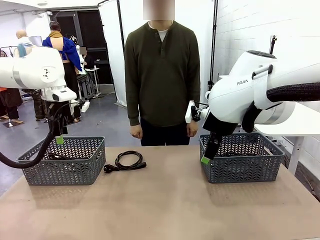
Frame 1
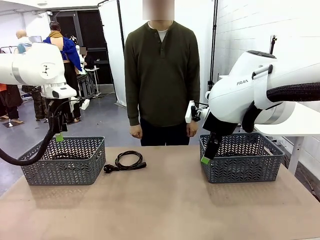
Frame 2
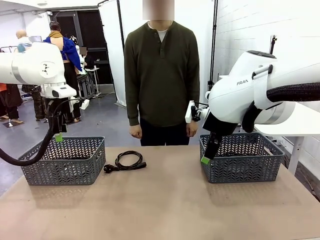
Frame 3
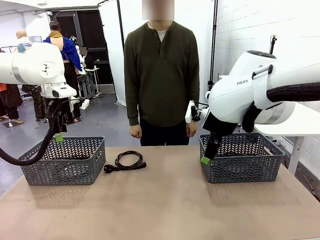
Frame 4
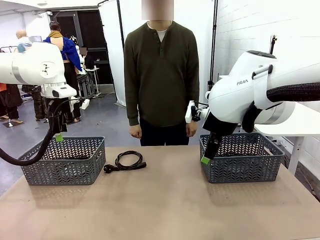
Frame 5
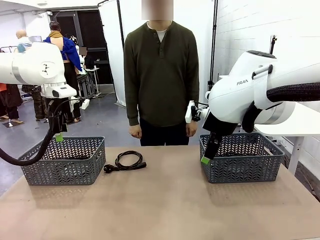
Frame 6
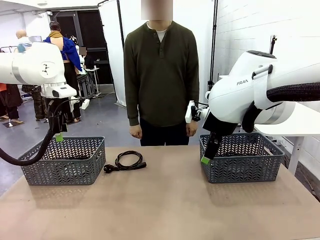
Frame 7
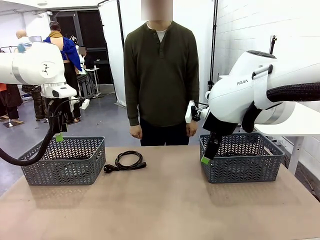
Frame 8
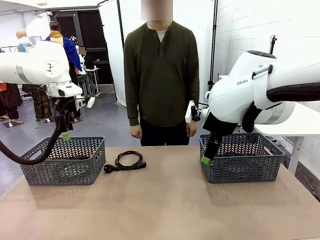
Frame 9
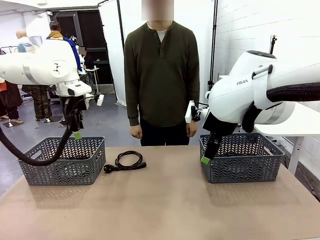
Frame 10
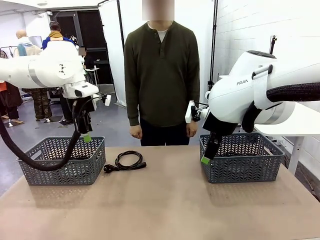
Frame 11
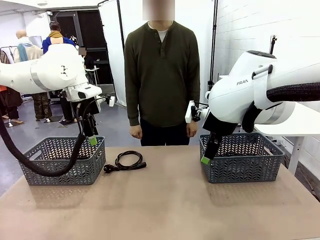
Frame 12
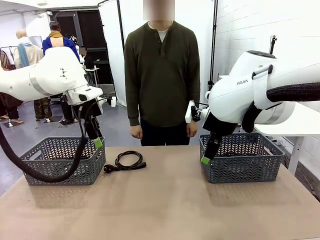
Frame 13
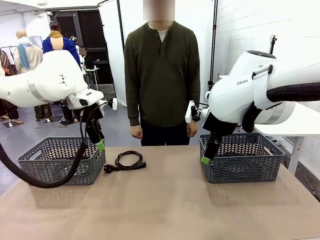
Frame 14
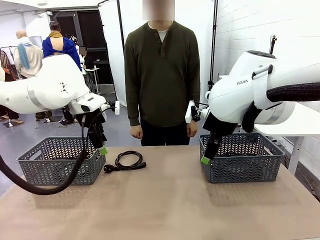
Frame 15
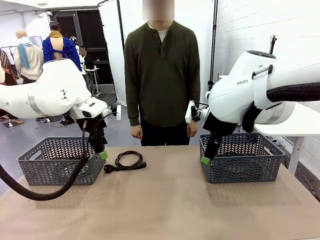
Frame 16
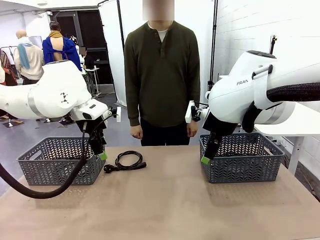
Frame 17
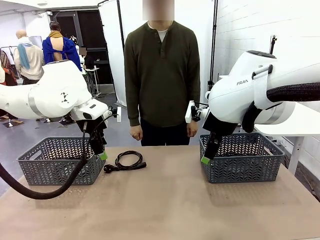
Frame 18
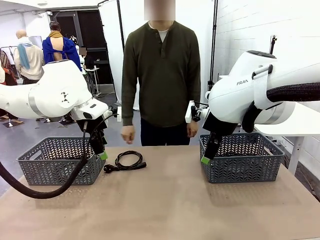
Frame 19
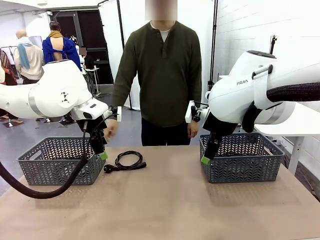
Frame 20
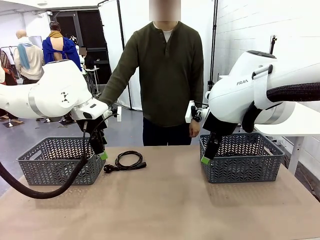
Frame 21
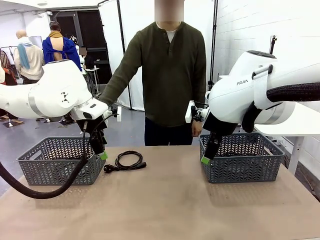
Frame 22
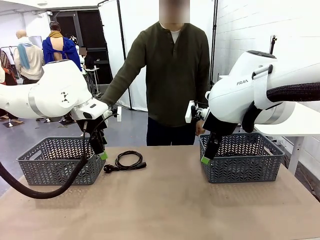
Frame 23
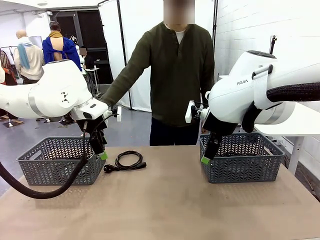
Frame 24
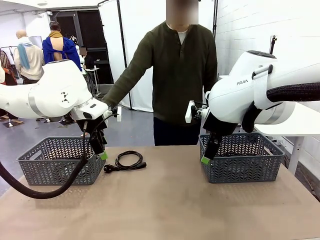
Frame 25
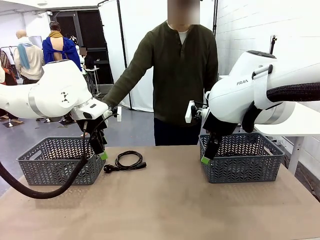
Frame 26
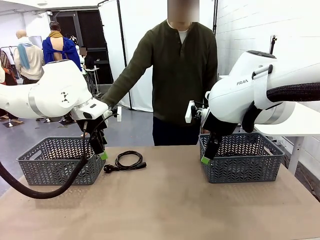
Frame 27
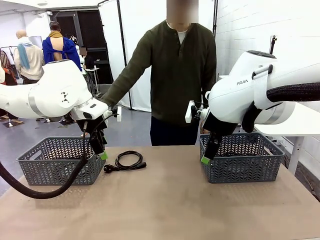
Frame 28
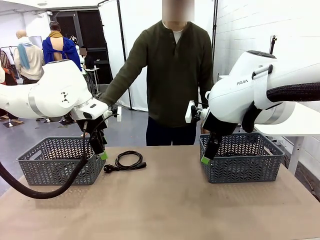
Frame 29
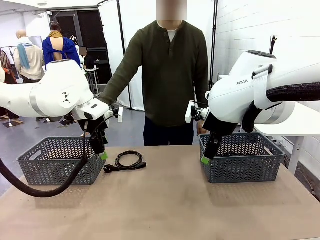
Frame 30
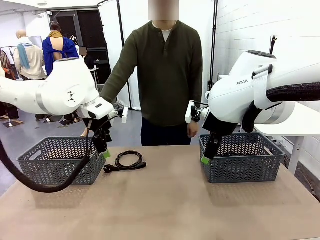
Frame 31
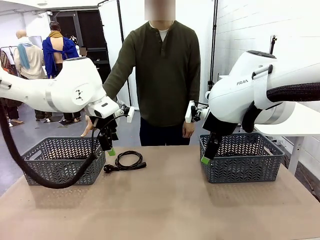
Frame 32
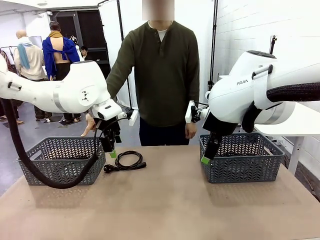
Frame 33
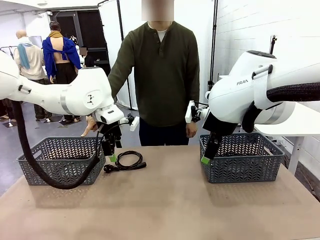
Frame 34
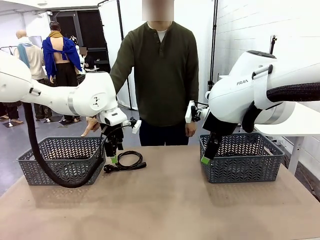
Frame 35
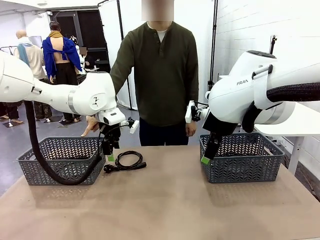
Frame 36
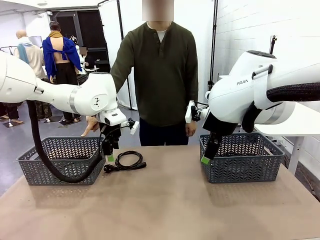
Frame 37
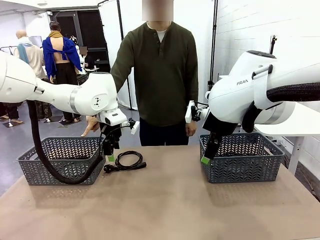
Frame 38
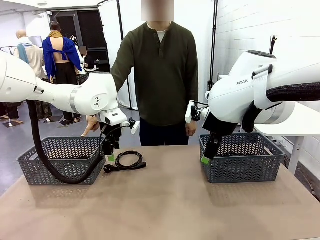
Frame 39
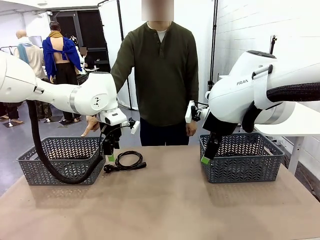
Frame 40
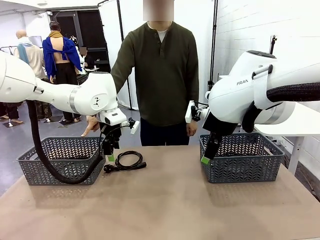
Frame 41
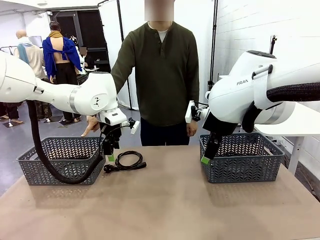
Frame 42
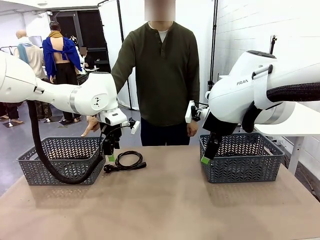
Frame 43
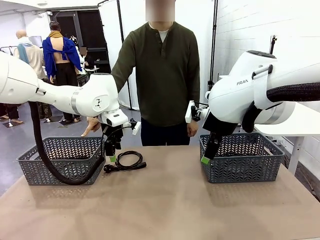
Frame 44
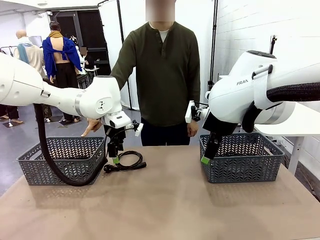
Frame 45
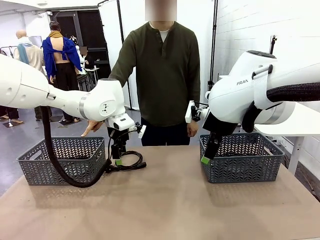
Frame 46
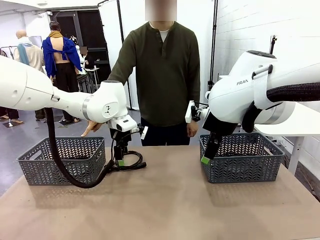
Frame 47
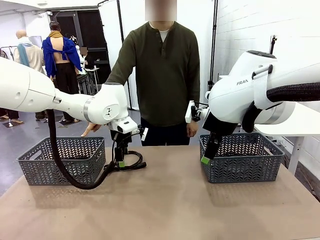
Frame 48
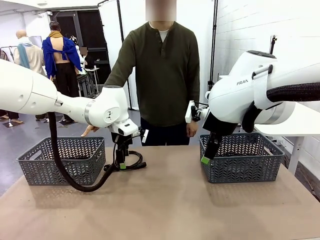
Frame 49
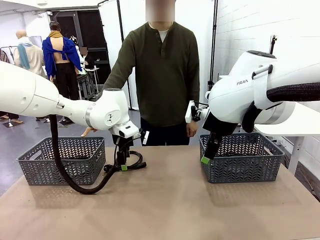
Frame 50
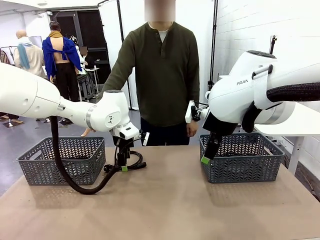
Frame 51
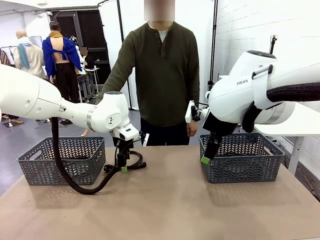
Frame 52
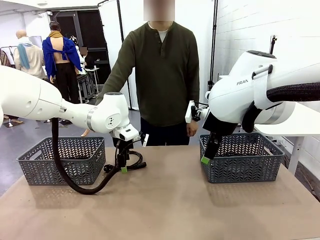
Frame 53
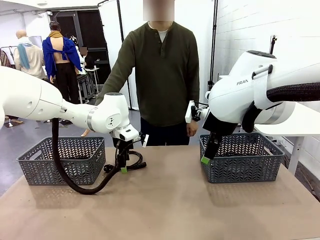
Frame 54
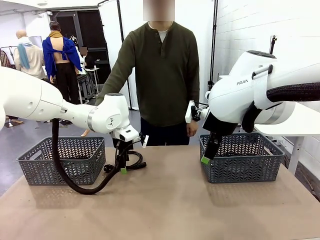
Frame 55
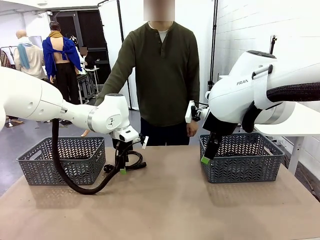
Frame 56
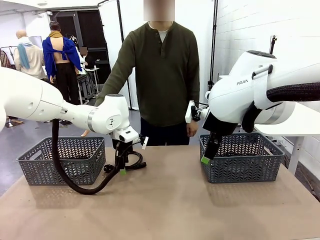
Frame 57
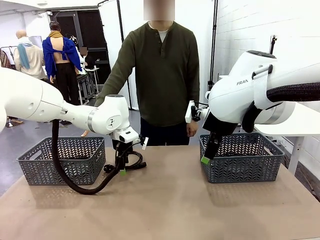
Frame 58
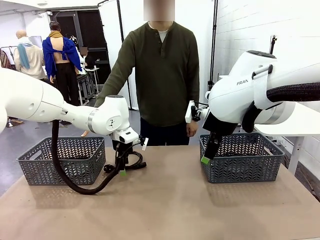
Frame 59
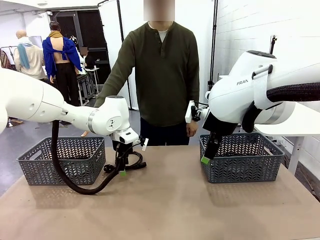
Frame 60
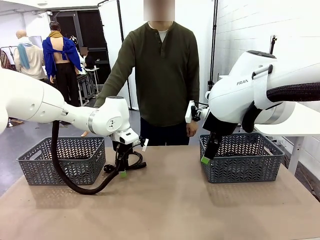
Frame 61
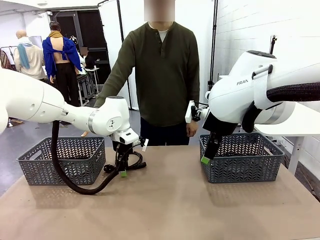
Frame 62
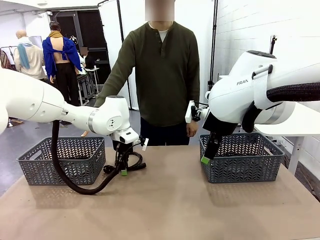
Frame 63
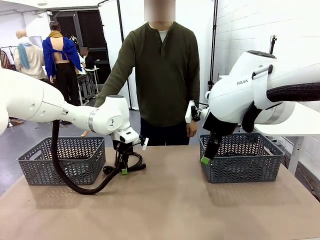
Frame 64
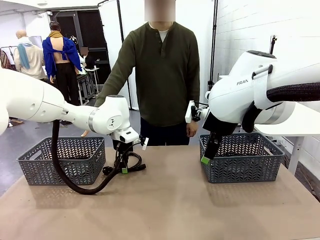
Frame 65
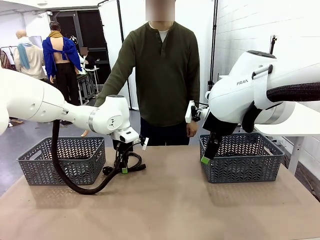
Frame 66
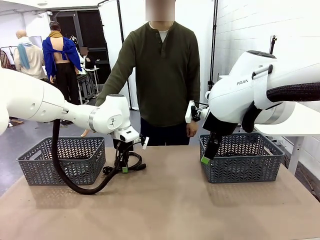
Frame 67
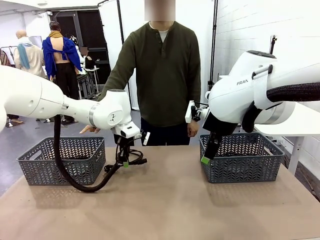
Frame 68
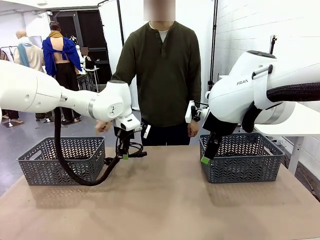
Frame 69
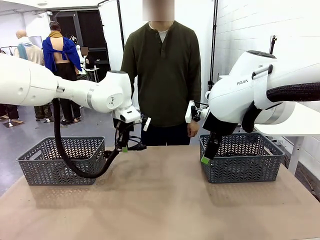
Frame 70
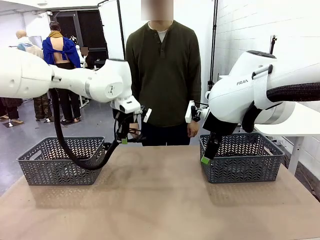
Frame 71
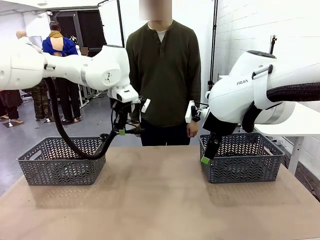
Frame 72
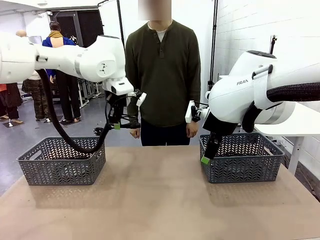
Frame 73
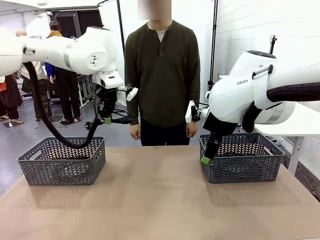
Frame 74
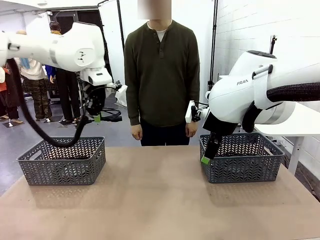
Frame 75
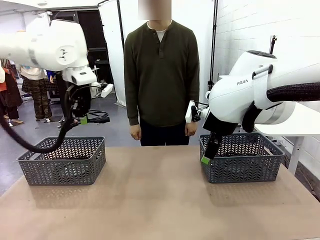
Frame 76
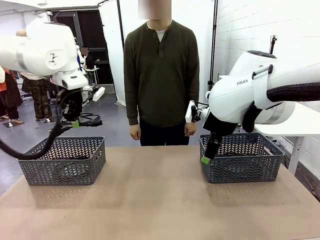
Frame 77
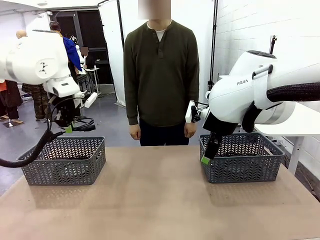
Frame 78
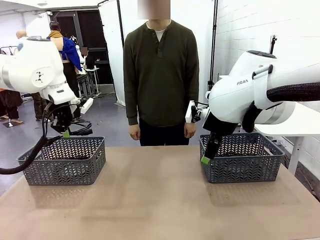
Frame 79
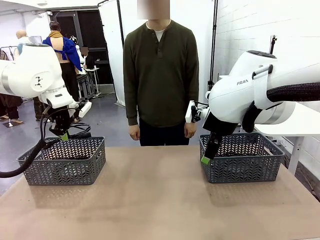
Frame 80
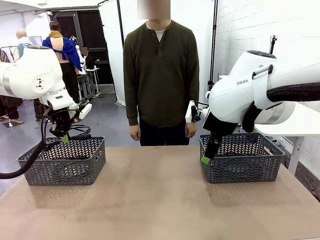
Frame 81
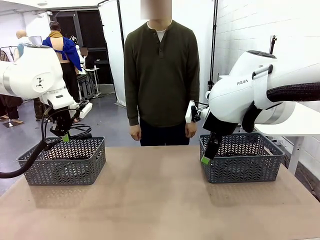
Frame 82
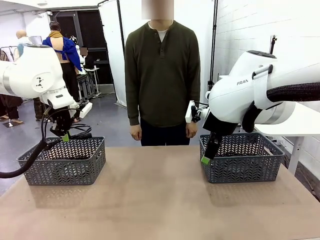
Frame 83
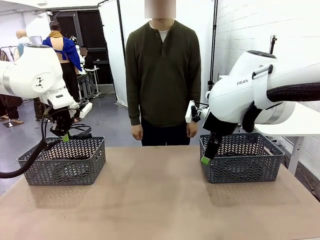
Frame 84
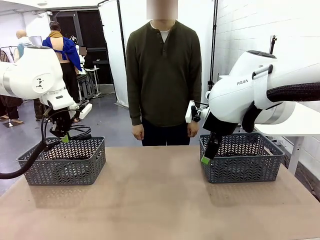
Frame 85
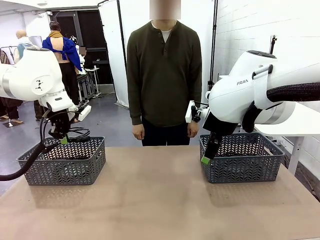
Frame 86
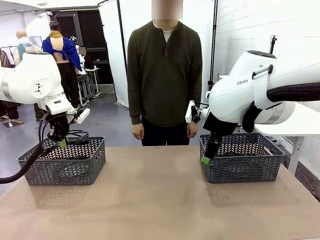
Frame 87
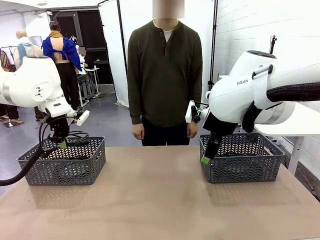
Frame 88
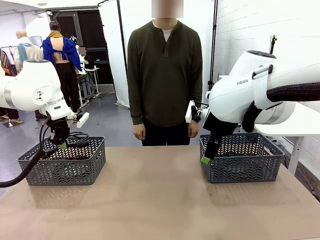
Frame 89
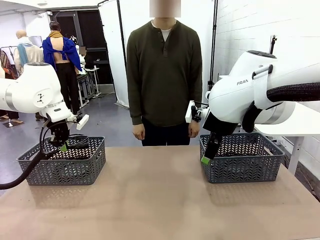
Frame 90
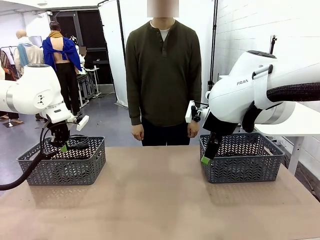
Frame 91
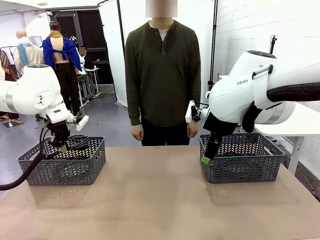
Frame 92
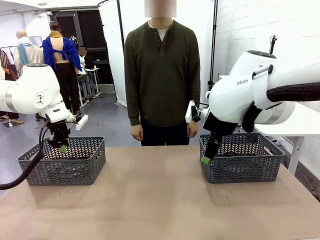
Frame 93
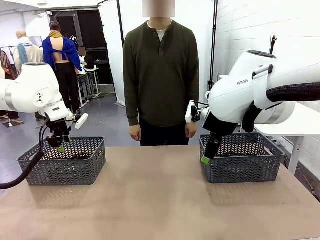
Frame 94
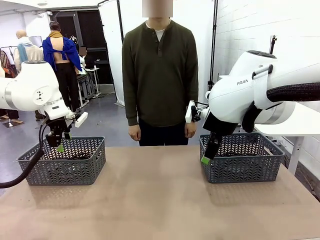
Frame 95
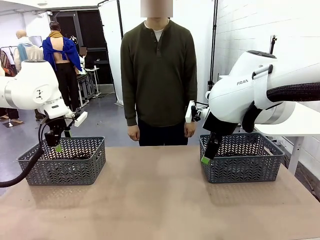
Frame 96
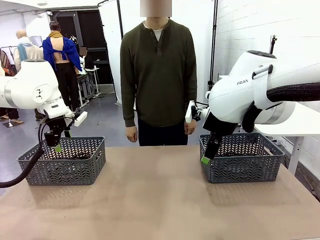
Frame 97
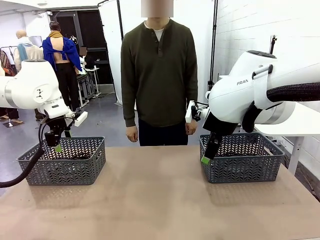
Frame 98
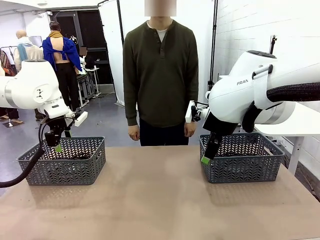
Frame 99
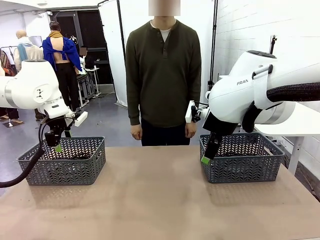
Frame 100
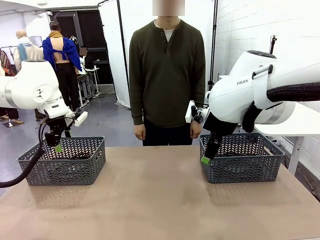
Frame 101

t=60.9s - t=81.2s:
Task: Organize the cables according to human instructions.
Robot: Pick up a bundle of cables and place it in the basket indicated by the human.
